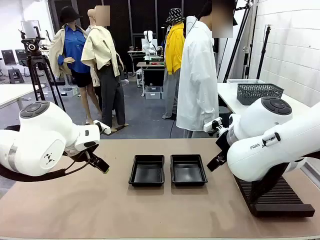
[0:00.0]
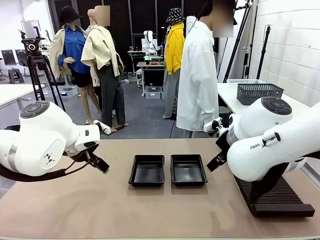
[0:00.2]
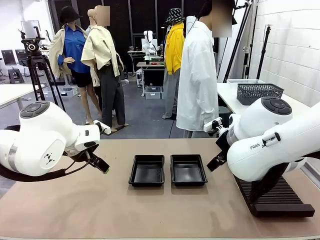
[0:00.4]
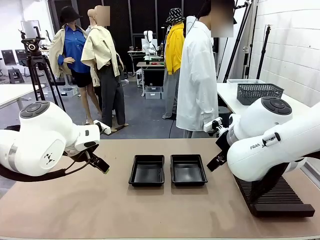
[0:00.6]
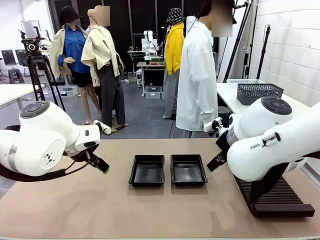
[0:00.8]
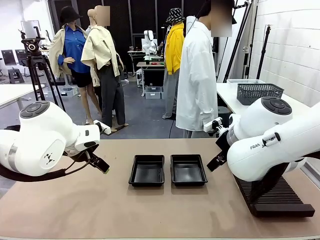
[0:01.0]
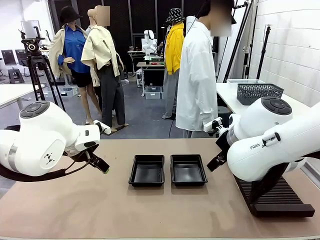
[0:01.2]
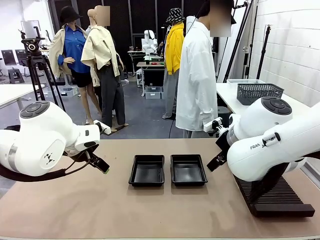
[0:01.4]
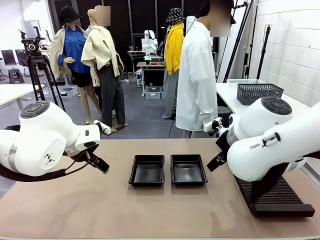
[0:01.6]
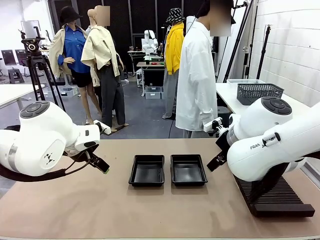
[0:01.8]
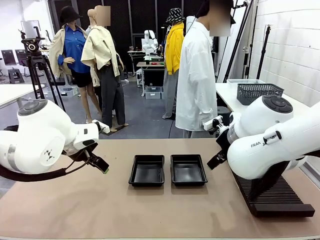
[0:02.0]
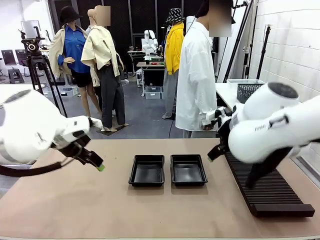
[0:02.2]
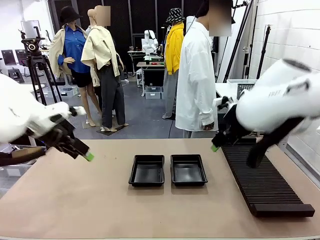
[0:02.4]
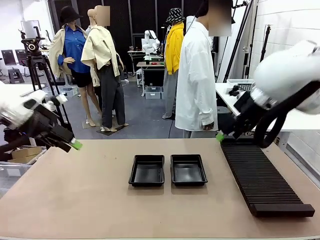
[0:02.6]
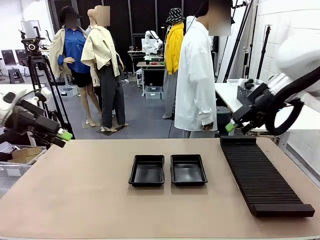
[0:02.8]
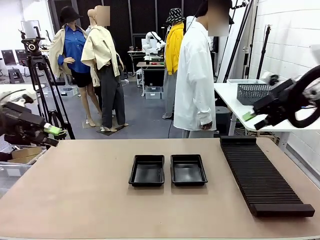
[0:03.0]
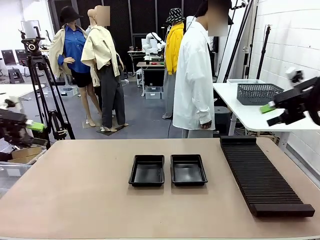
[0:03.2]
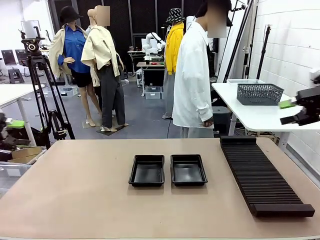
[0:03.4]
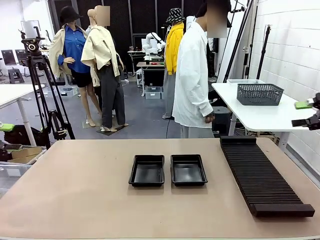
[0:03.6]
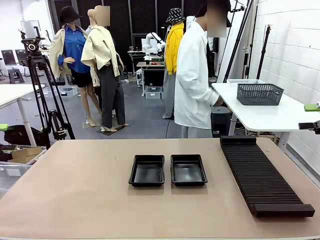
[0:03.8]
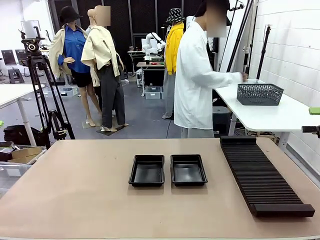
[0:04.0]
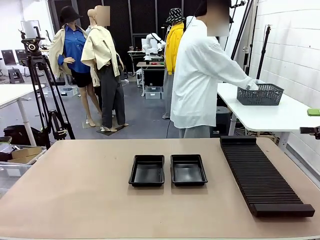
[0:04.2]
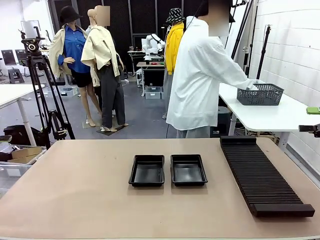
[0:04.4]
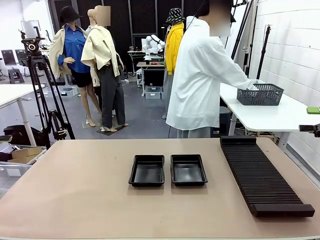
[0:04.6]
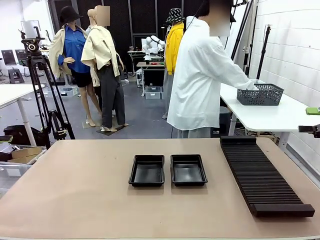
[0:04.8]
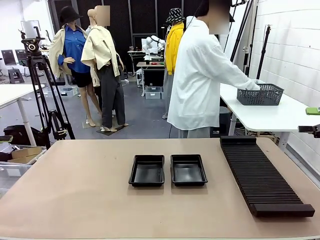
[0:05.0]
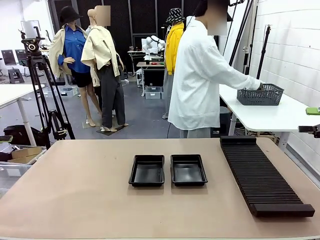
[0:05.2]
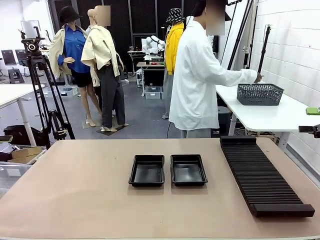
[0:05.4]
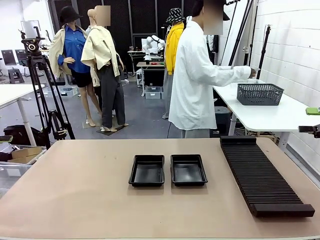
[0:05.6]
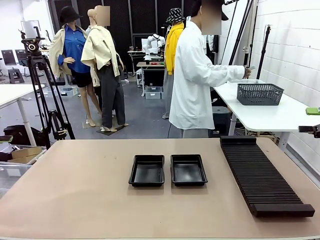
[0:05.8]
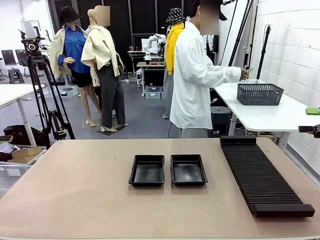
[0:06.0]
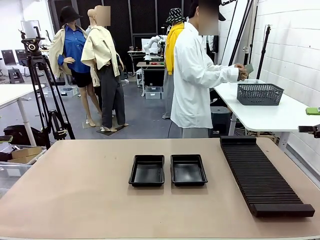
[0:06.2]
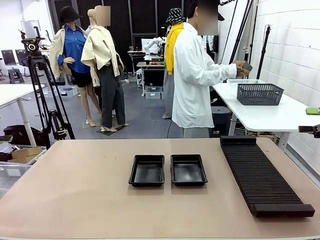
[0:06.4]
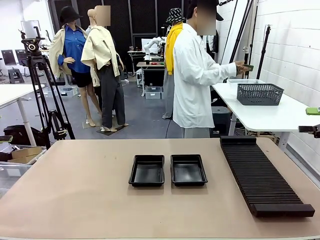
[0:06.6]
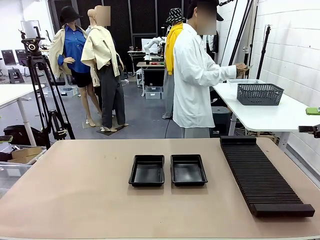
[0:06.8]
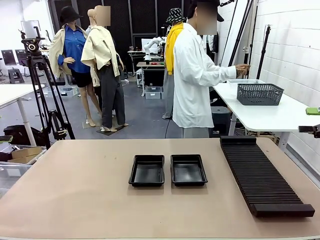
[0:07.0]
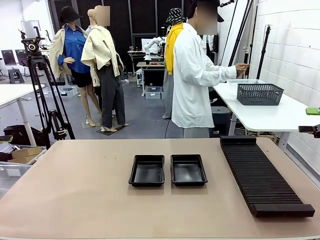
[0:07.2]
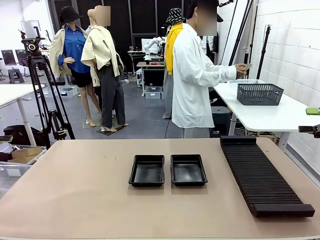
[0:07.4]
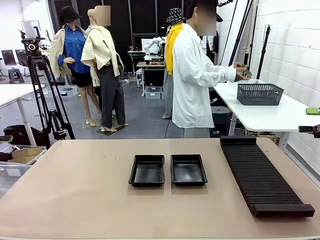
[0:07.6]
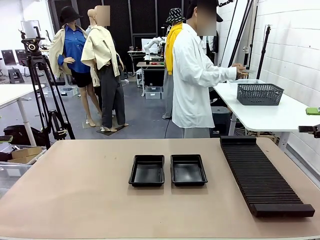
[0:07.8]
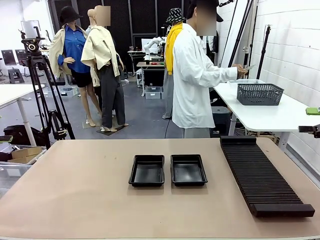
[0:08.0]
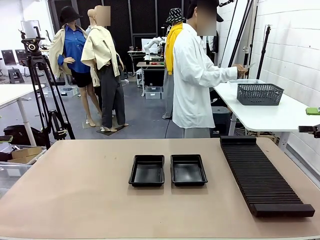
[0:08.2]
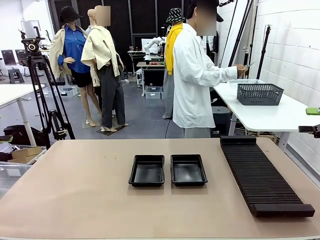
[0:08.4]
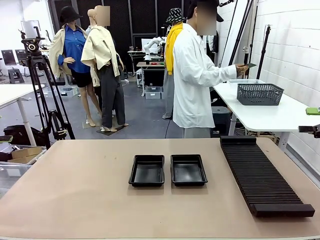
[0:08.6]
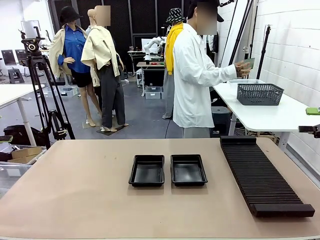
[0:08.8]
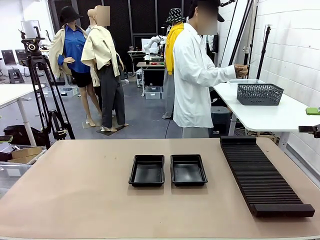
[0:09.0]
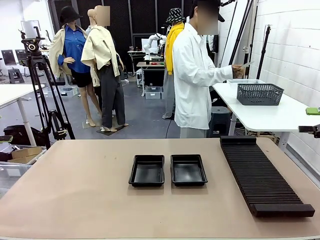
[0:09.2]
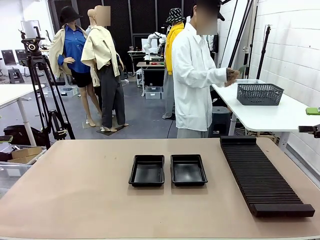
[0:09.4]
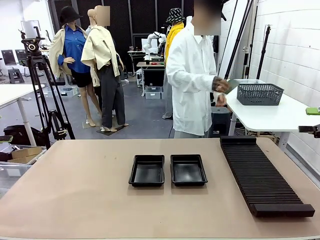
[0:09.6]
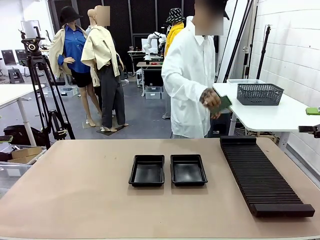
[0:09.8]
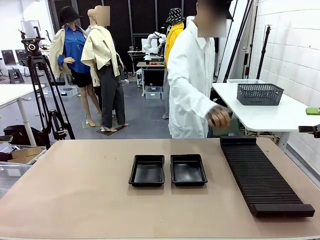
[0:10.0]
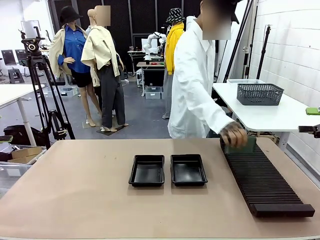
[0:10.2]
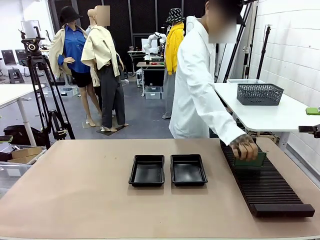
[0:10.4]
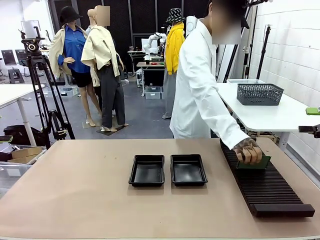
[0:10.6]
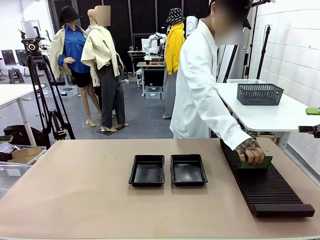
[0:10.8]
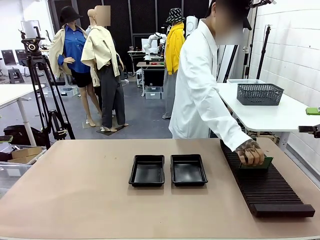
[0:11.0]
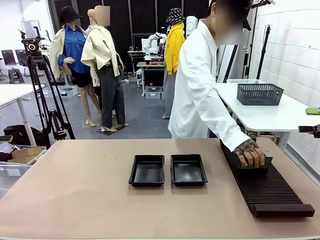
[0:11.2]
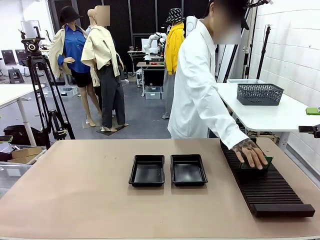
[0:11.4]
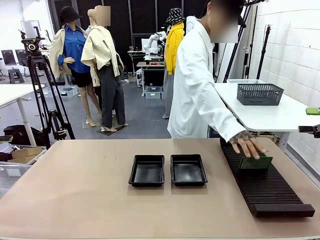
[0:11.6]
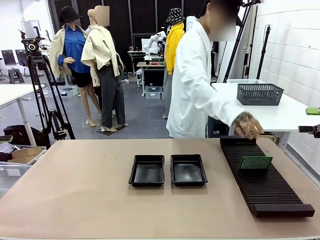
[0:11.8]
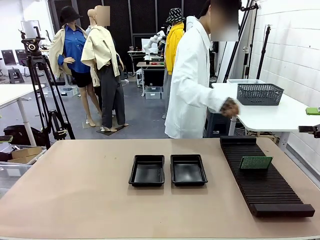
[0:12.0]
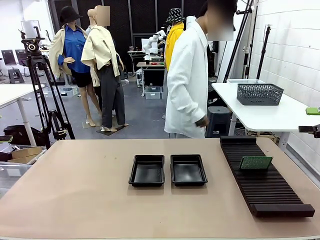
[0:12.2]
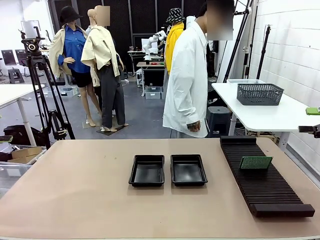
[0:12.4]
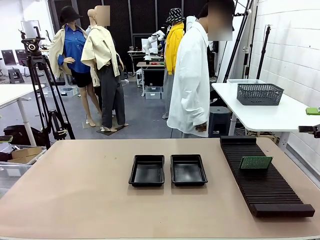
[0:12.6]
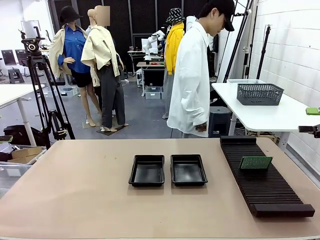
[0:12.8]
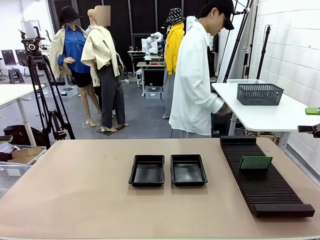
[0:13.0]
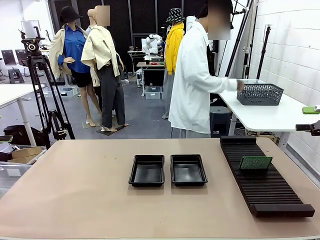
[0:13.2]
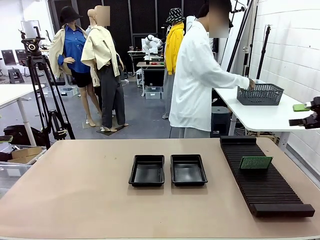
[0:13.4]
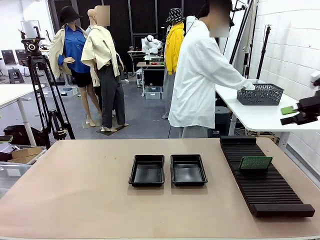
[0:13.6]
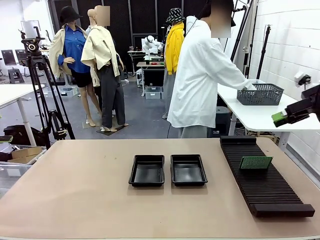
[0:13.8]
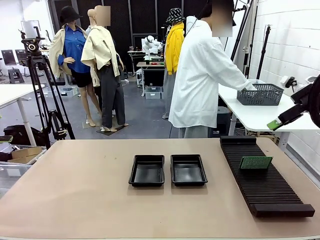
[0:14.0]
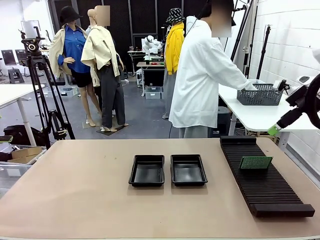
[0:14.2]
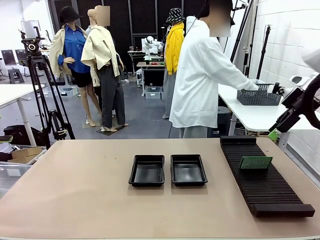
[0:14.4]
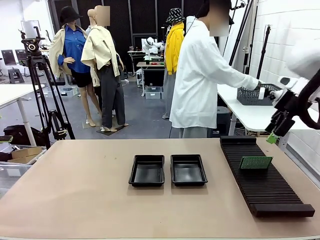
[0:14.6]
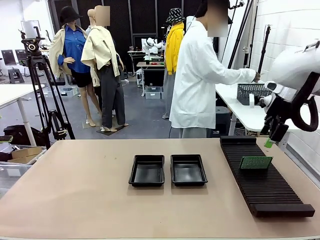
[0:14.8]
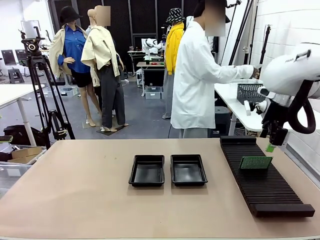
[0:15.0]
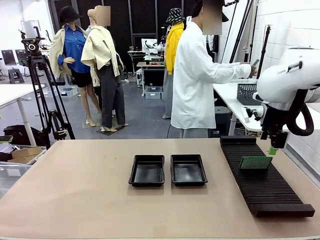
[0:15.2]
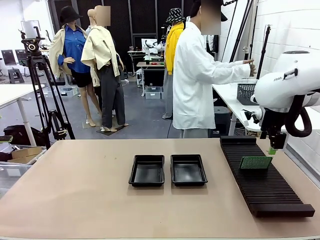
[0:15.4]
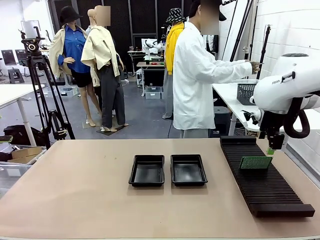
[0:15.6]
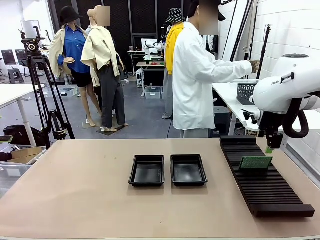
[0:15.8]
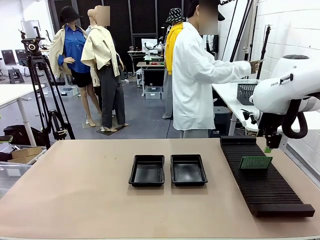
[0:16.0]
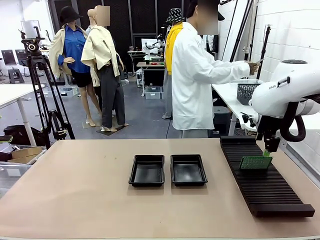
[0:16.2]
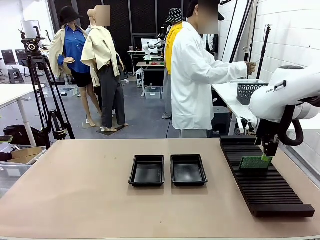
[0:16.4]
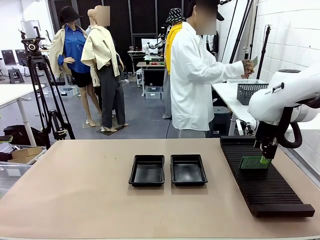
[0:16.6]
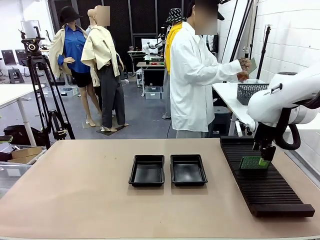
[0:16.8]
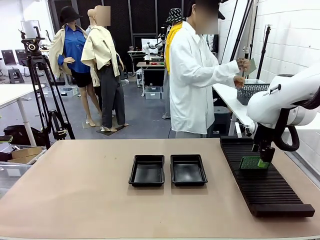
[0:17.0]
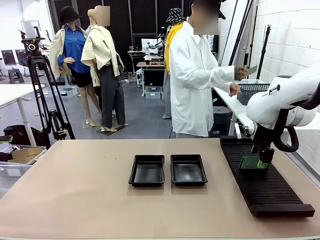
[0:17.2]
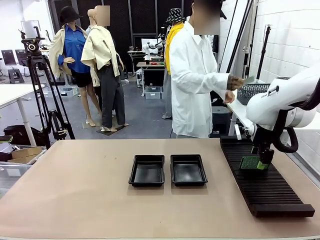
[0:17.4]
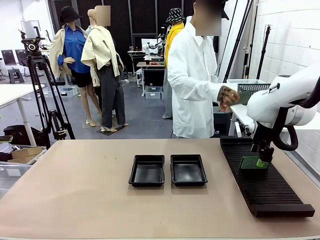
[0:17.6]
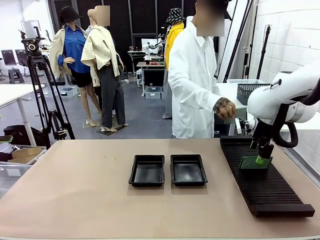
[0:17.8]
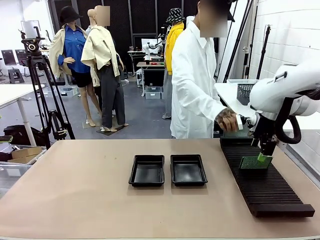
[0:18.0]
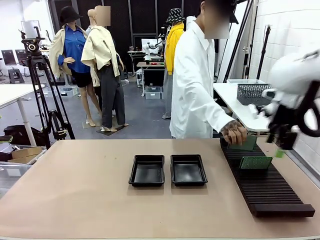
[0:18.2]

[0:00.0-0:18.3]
Task: Inspect and transfer BCBs to ESD trays.
Robot: Pick up the Blank PCB from the PCB Rack and place it in the left ESD tray.
